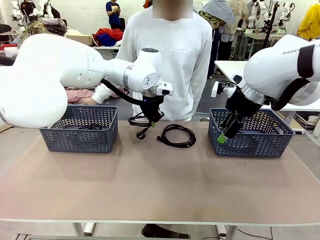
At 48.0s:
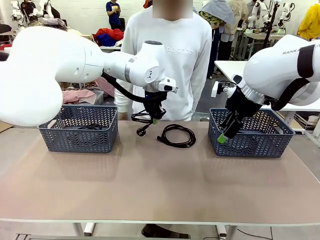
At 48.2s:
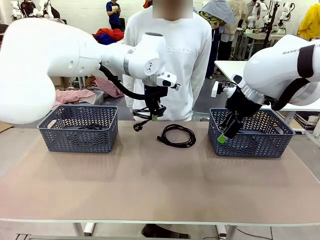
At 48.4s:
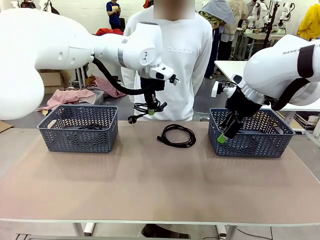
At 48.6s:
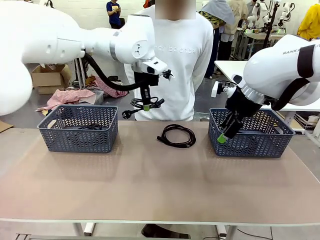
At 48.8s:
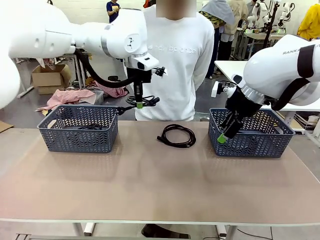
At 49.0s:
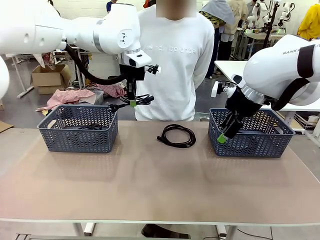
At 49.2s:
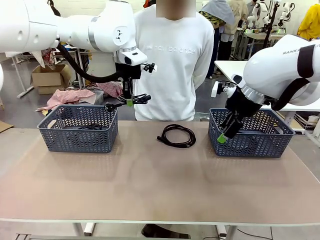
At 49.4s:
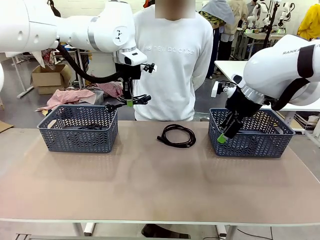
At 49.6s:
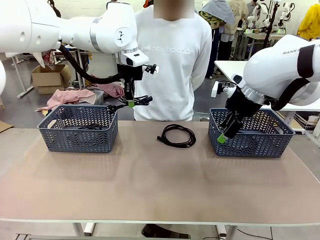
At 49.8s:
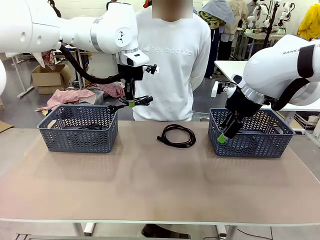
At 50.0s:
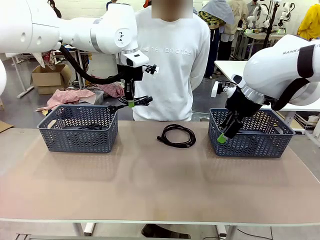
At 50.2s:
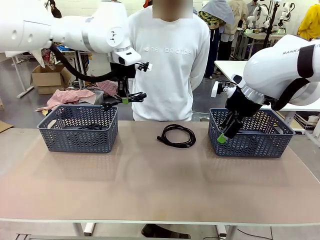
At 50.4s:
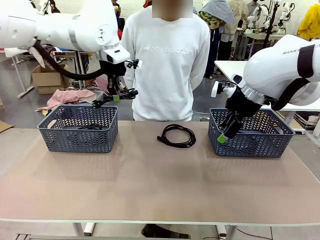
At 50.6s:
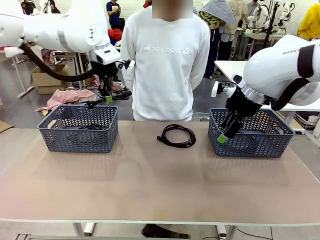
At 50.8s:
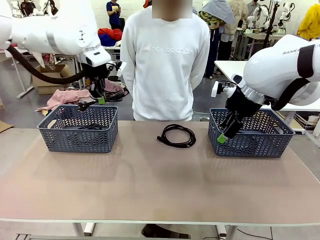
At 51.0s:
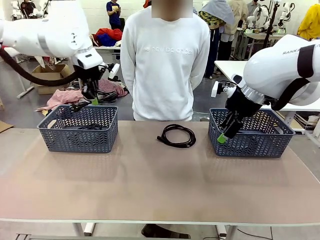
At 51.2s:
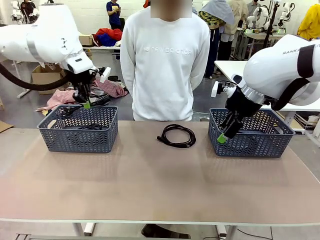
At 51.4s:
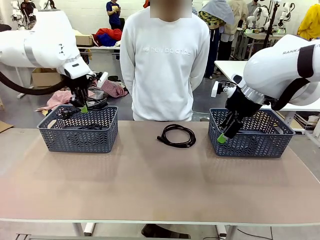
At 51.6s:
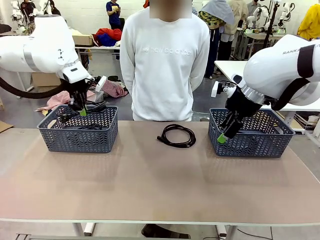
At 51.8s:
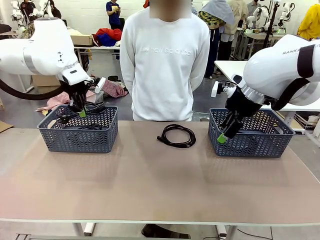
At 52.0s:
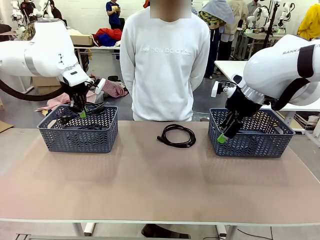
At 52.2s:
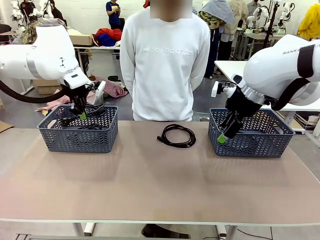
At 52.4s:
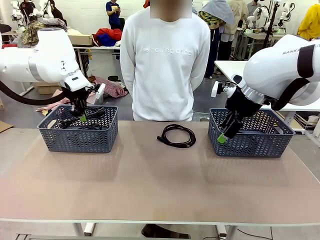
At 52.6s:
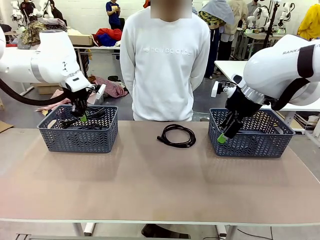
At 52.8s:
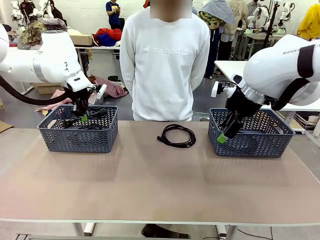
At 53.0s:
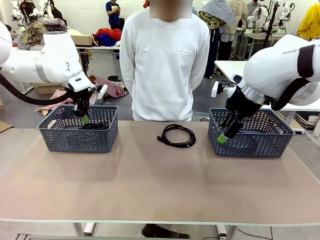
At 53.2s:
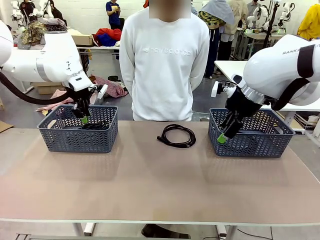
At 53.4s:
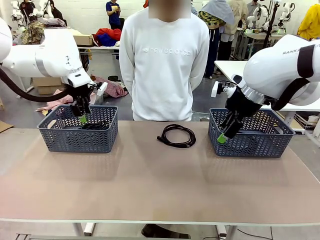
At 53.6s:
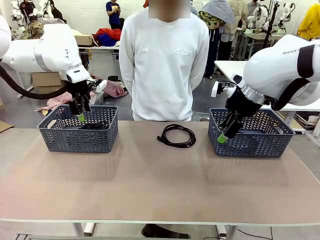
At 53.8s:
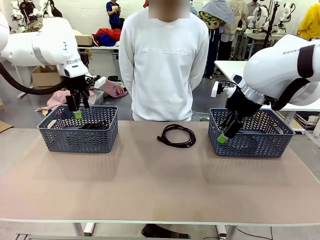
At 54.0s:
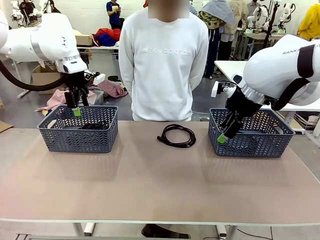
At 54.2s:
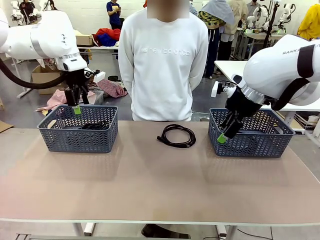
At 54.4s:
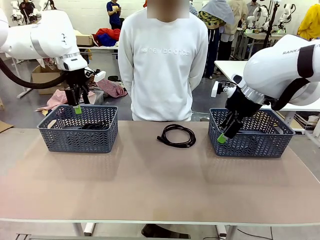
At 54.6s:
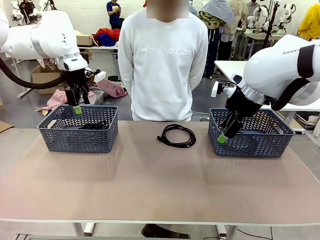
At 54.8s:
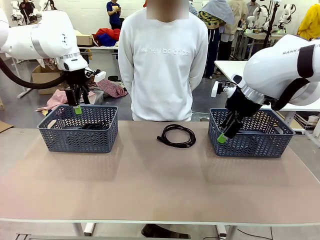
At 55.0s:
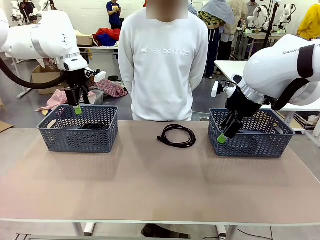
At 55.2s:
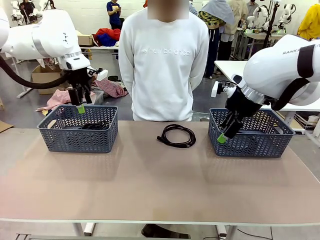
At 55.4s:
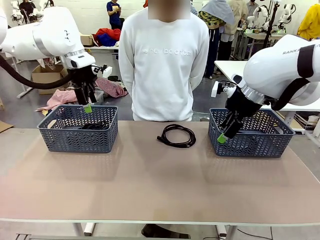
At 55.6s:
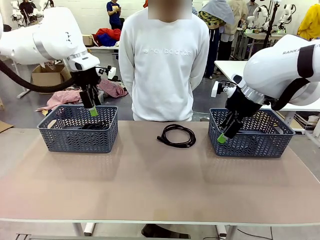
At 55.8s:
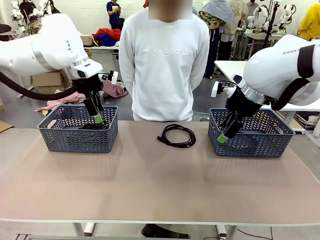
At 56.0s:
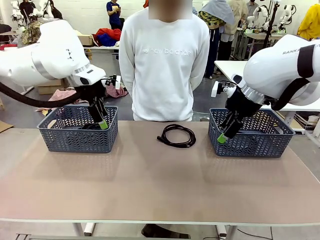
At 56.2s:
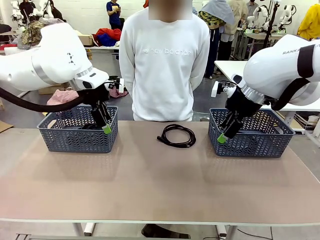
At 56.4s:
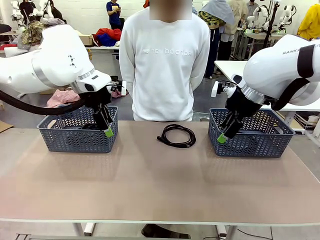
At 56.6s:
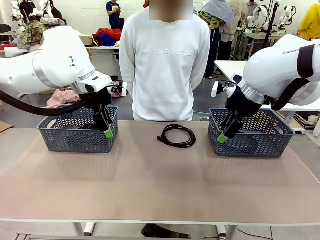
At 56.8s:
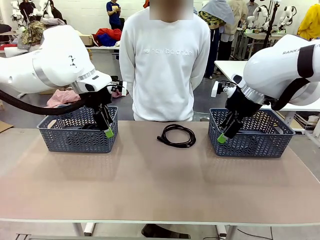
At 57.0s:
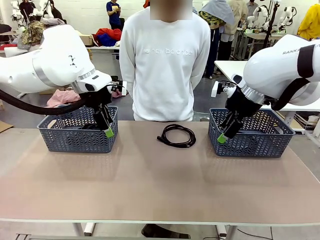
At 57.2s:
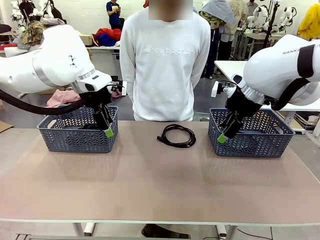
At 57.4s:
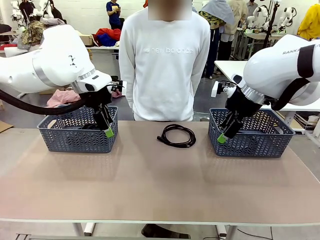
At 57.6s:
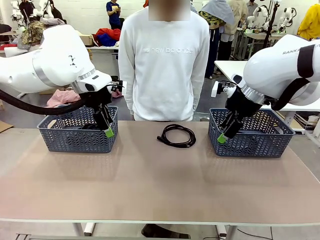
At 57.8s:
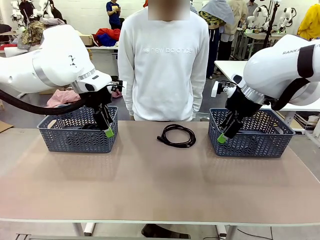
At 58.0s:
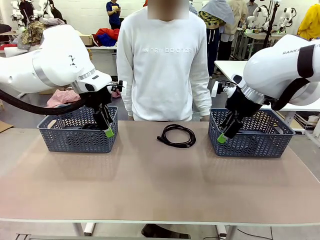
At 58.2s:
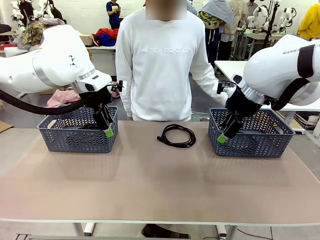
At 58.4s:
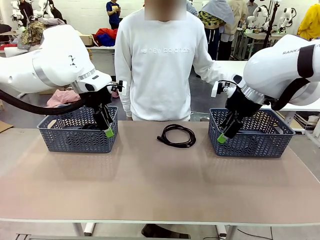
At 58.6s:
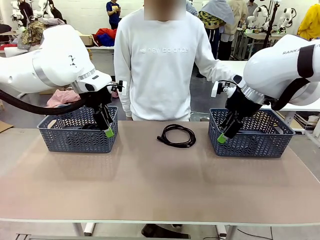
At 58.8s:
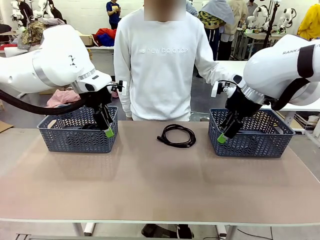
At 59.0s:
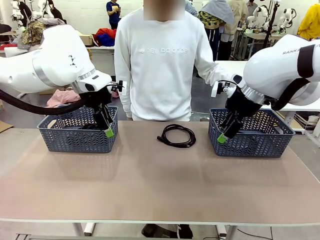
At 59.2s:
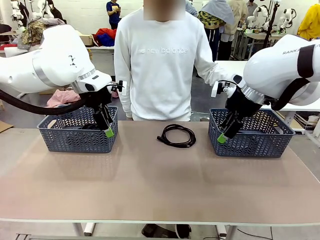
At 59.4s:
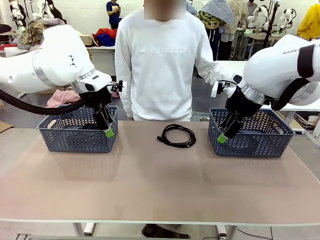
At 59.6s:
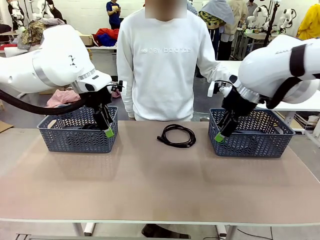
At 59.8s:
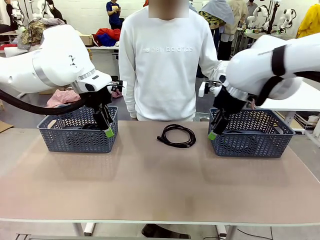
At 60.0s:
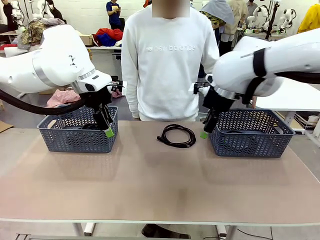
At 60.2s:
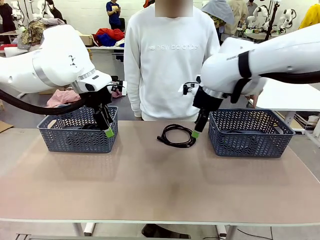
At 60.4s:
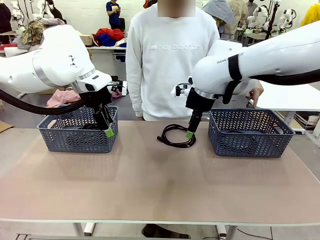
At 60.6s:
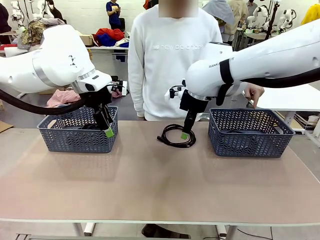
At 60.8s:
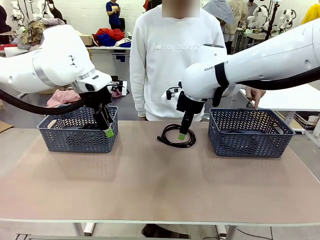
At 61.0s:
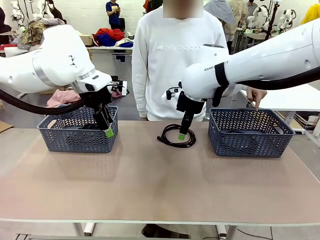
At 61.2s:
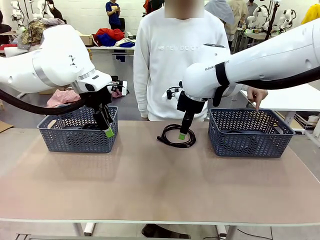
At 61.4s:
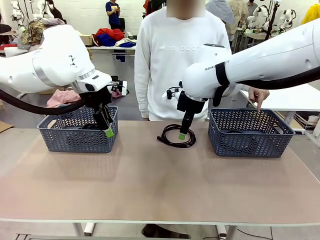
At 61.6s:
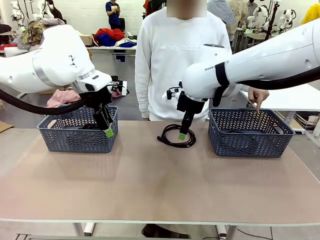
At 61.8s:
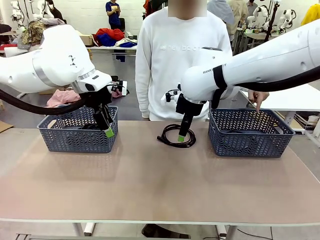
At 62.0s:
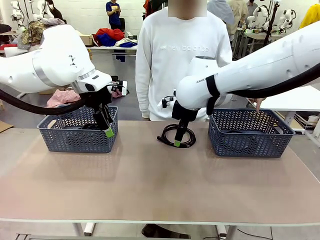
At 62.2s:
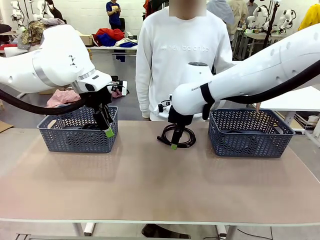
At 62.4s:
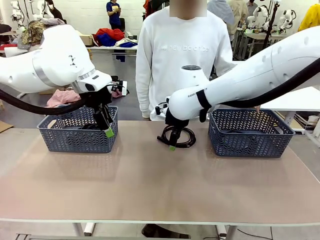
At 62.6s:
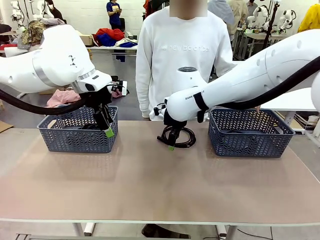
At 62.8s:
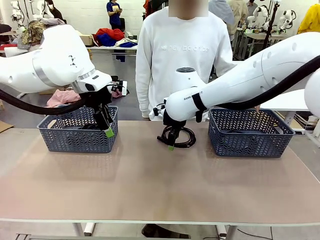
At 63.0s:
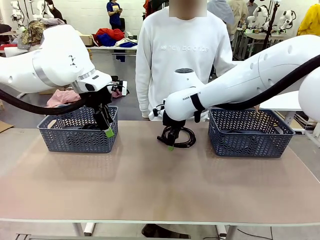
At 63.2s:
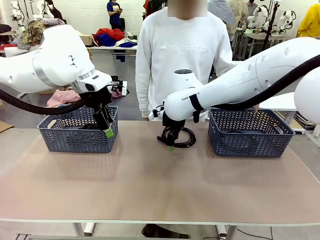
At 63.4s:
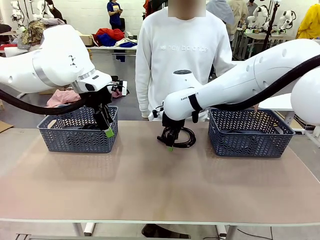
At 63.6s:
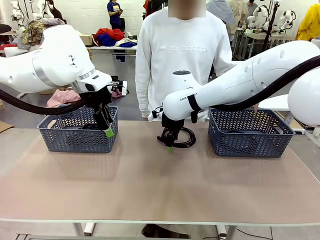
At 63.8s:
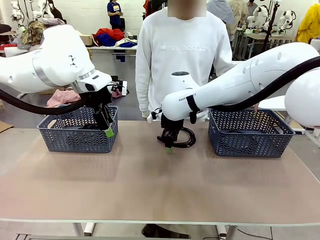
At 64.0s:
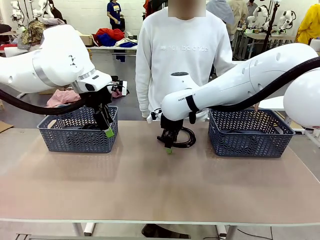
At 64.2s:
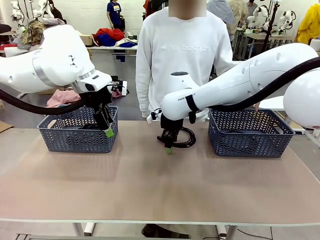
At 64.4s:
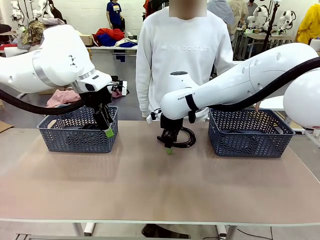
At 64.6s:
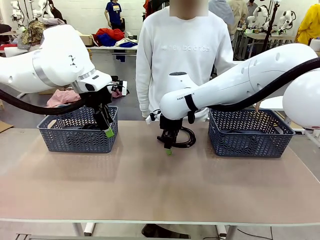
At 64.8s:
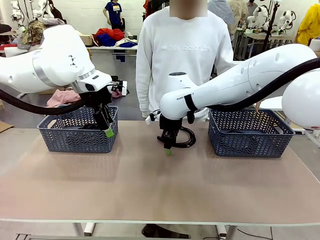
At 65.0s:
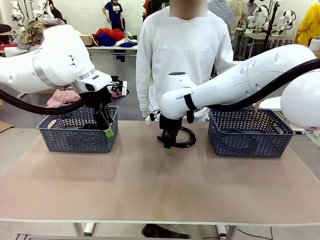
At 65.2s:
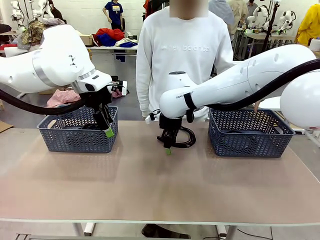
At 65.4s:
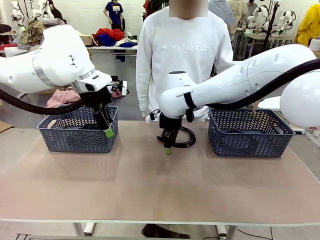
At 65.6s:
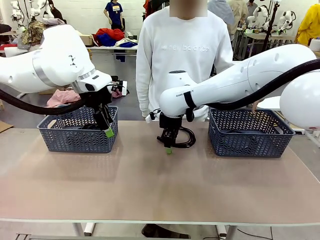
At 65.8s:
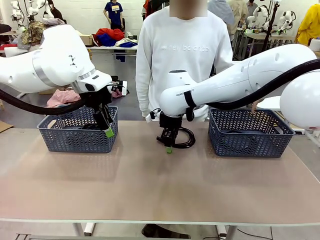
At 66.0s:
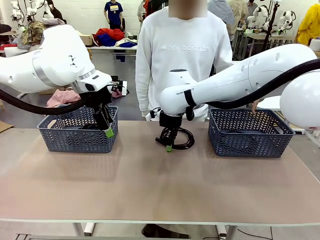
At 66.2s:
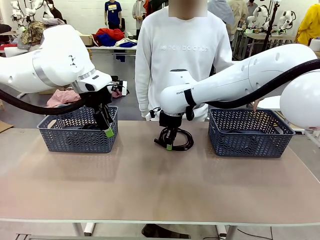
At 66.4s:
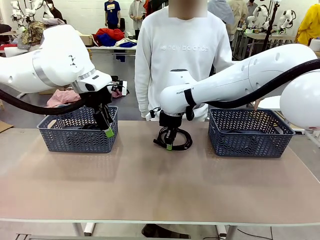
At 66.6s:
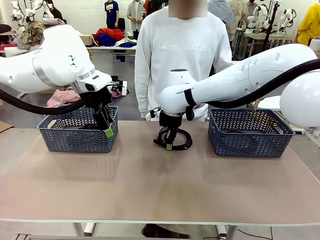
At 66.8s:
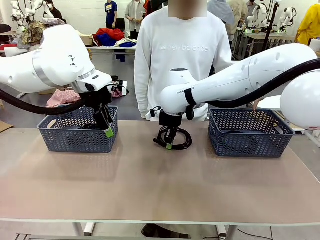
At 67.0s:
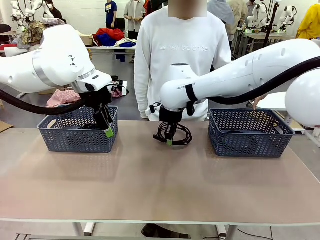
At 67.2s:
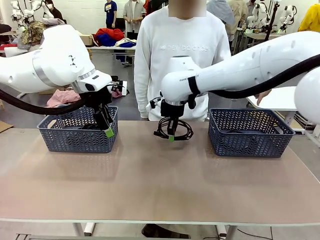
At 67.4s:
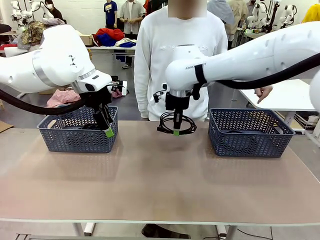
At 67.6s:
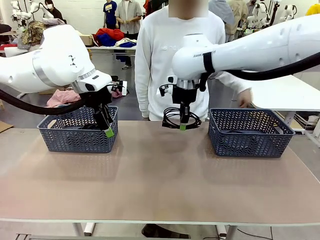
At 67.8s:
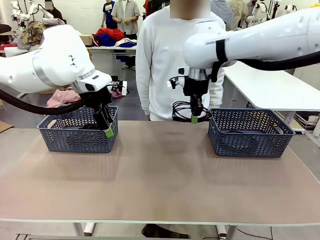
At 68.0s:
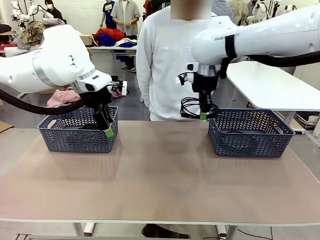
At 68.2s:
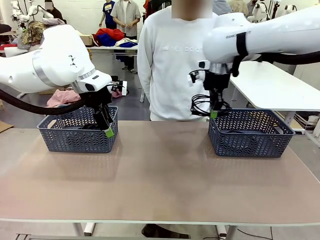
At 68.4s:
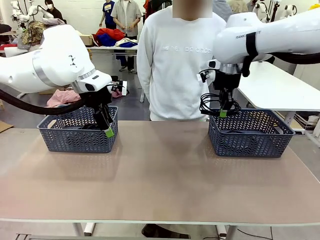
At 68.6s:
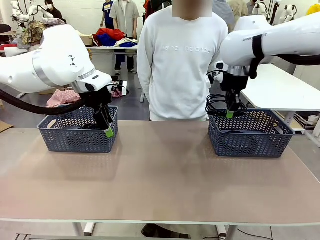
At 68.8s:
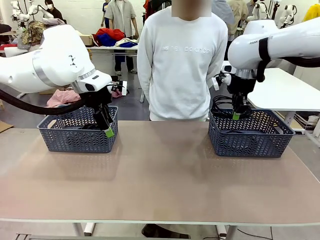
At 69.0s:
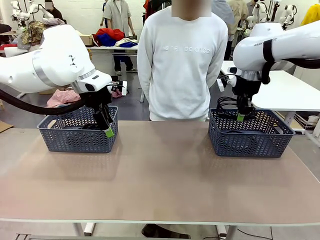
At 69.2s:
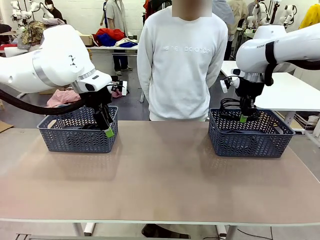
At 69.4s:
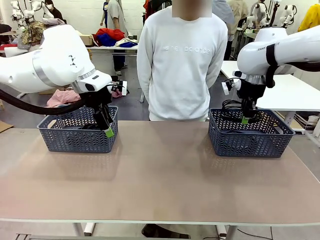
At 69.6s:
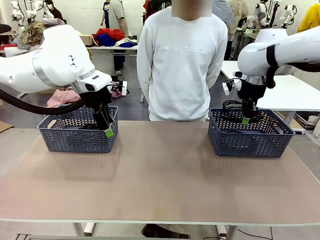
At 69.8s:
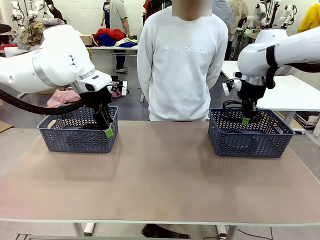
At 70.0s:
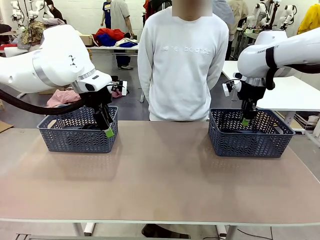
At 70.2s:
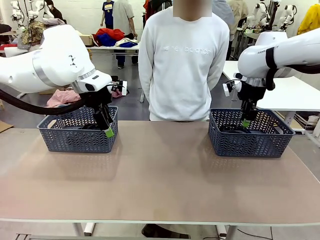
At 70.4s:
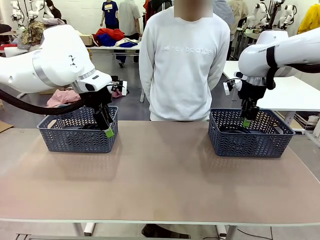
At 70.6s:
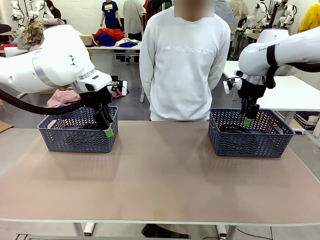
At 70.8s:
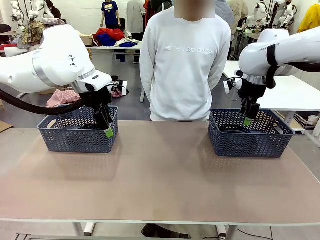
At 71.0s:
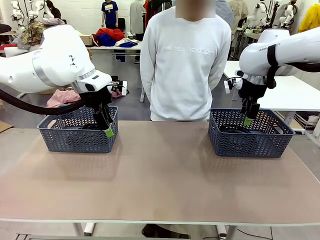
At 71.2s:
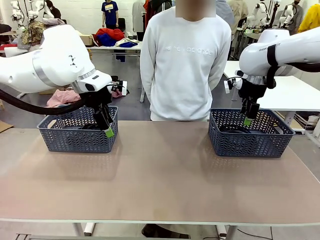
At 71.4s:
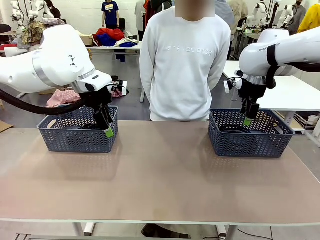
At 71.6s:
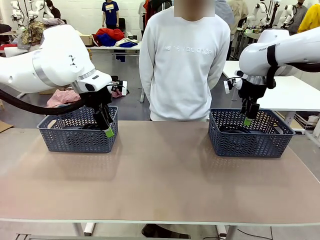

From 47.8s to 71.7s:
Task: Organize the cables according to human instructions.
Robot: Pick up a bundle of cables and place it in the basket indicated by the human.
